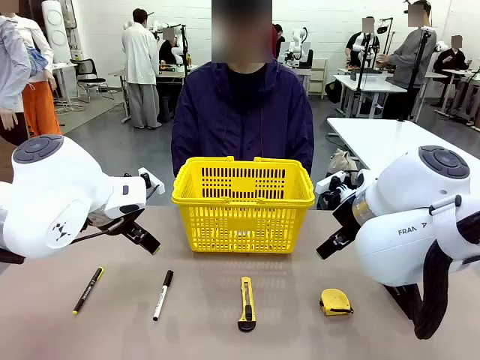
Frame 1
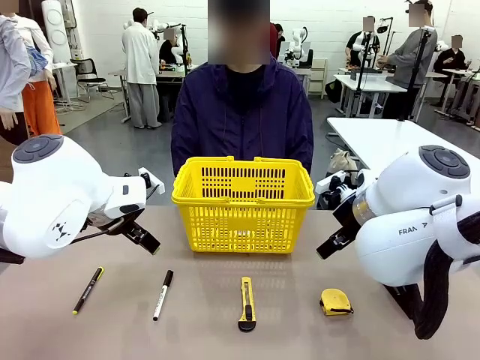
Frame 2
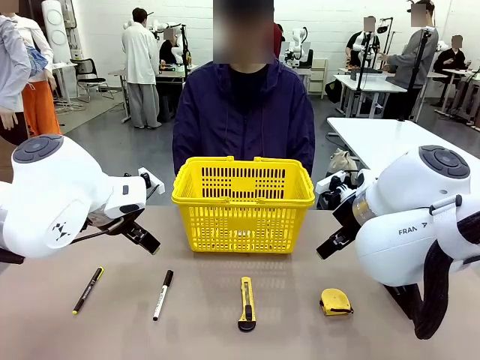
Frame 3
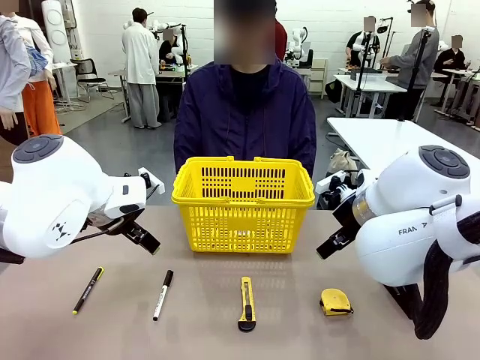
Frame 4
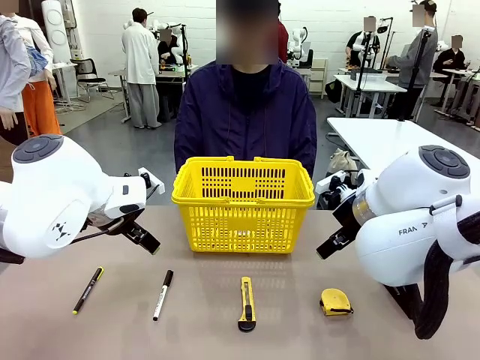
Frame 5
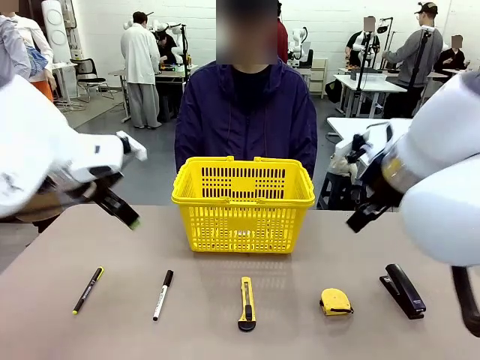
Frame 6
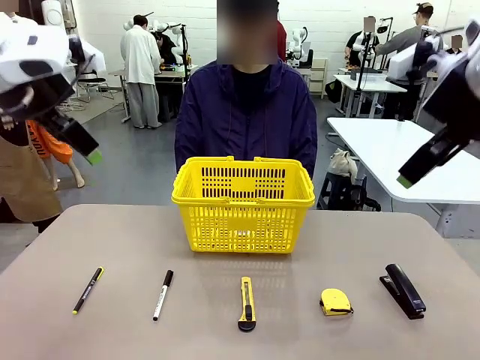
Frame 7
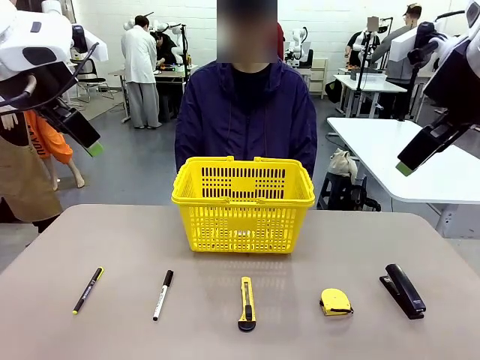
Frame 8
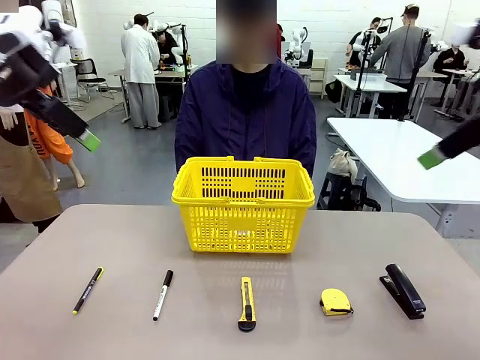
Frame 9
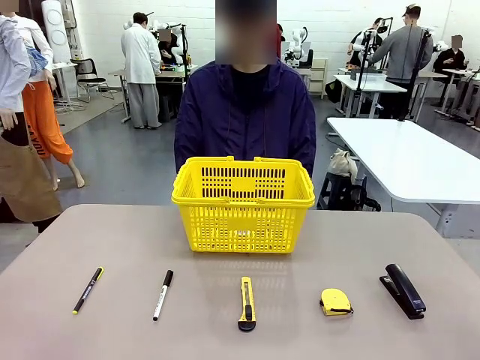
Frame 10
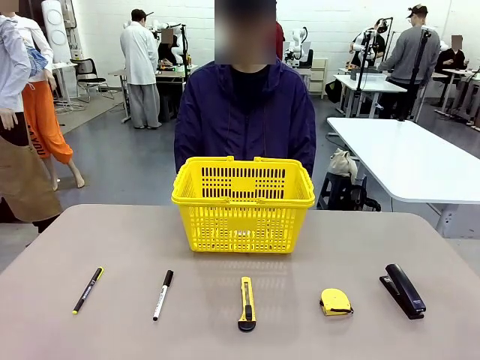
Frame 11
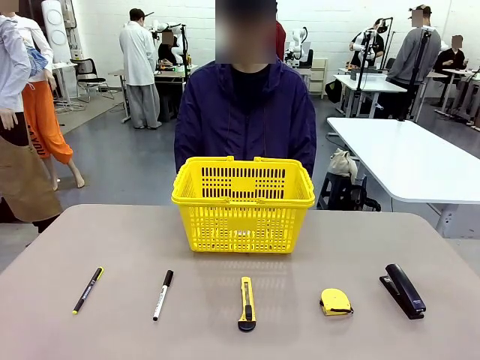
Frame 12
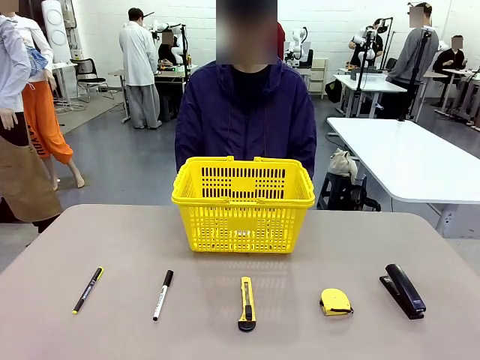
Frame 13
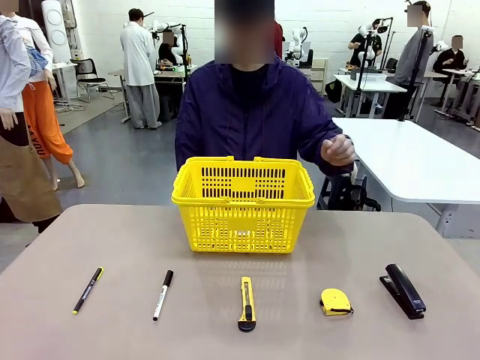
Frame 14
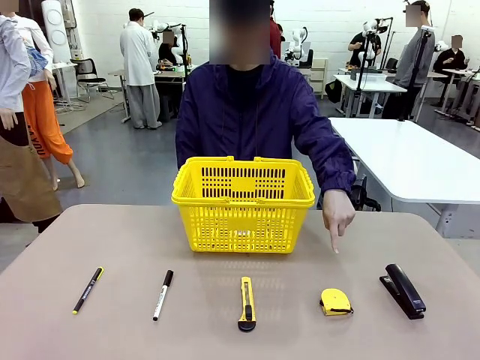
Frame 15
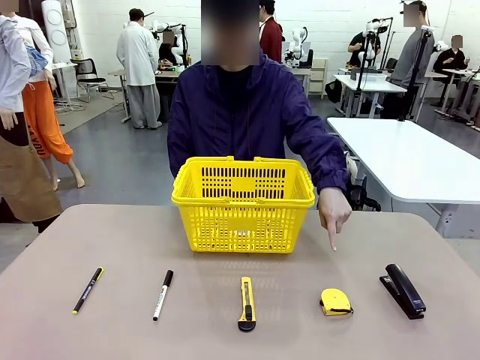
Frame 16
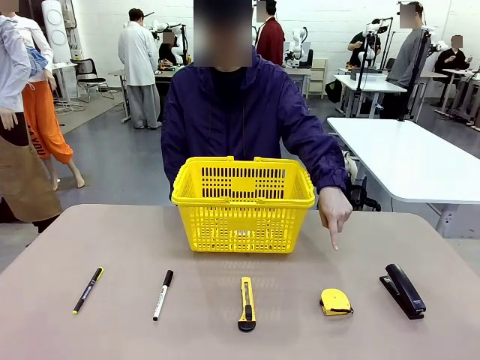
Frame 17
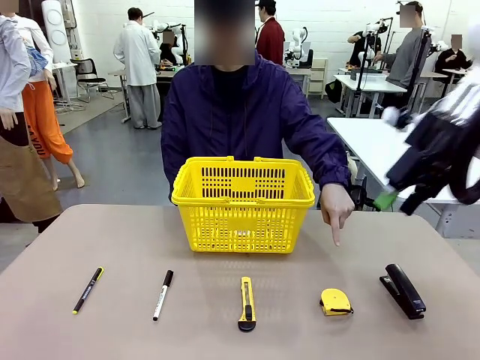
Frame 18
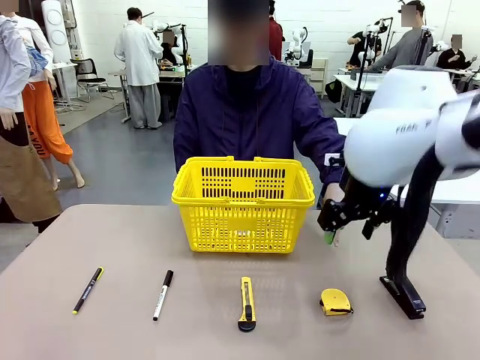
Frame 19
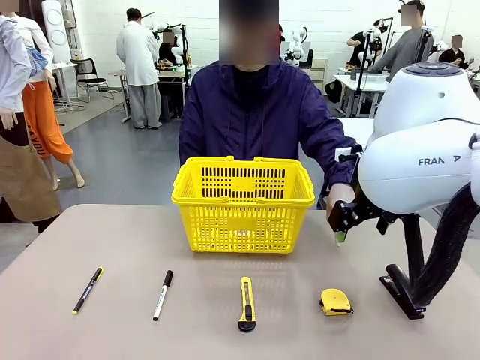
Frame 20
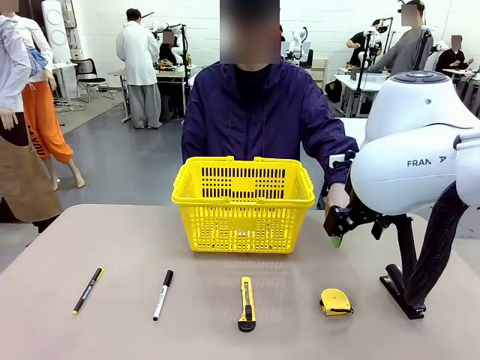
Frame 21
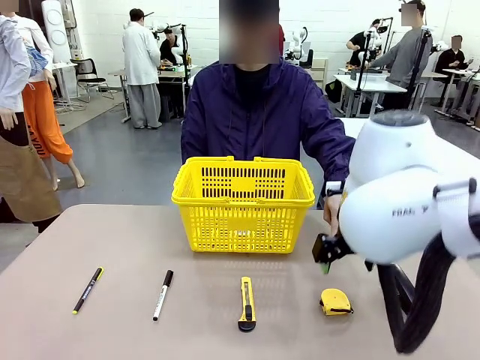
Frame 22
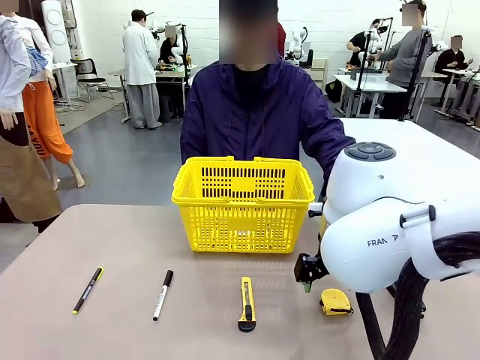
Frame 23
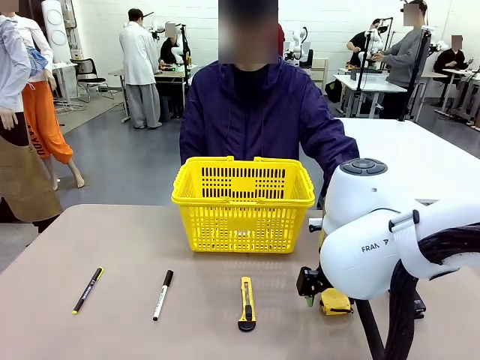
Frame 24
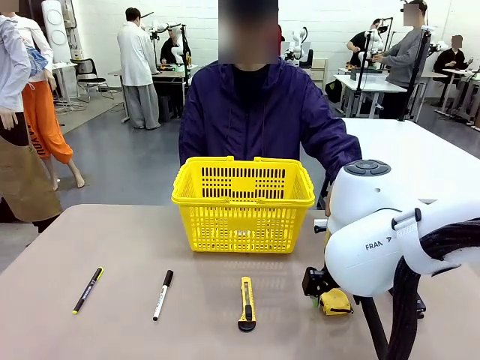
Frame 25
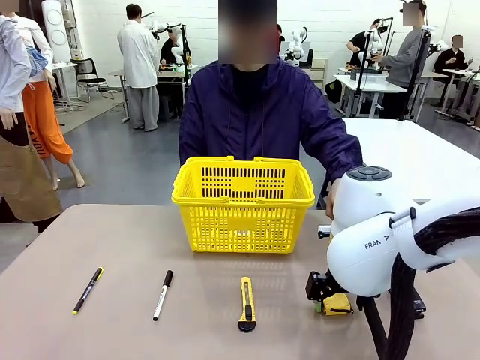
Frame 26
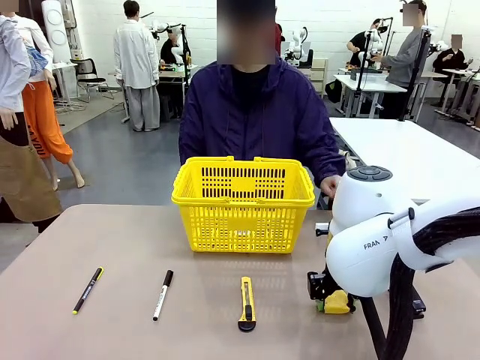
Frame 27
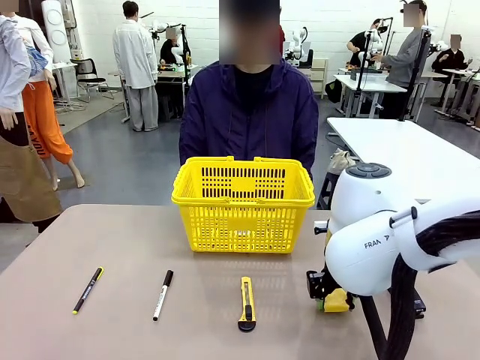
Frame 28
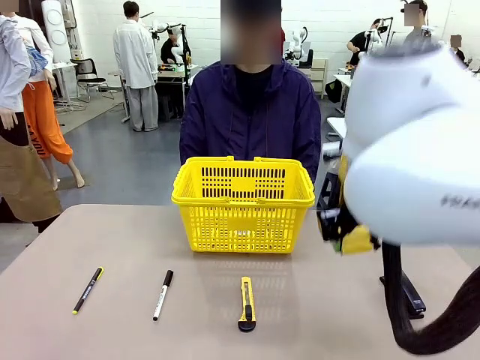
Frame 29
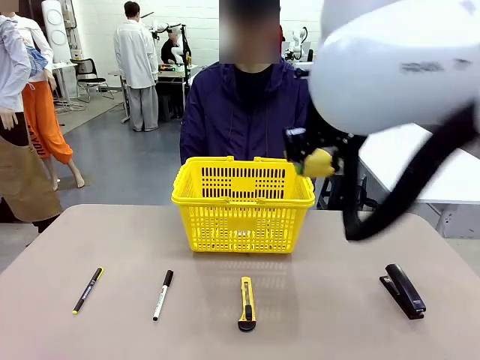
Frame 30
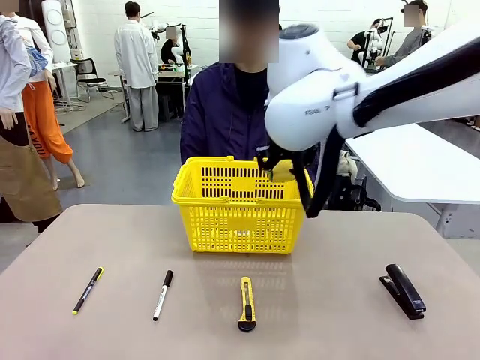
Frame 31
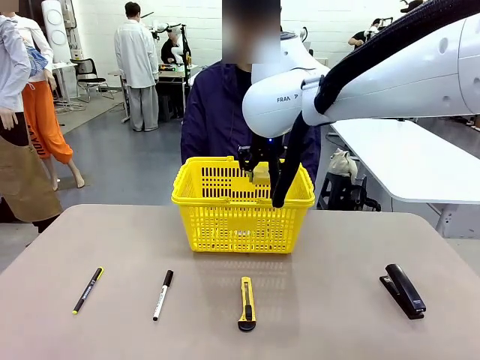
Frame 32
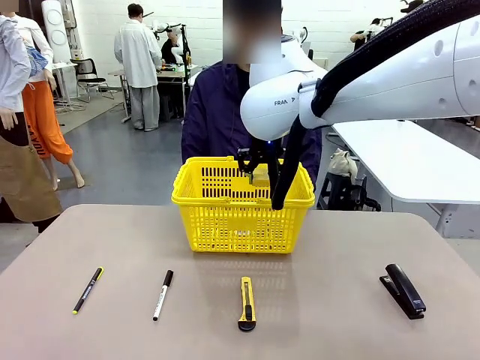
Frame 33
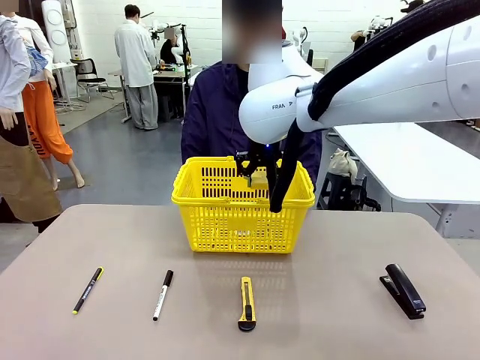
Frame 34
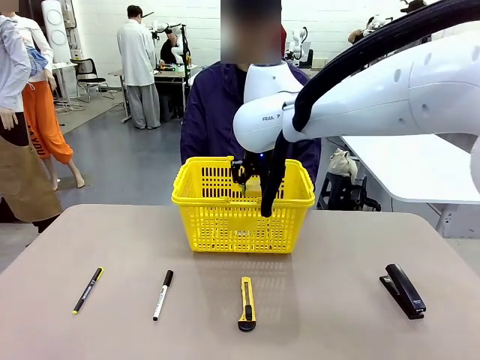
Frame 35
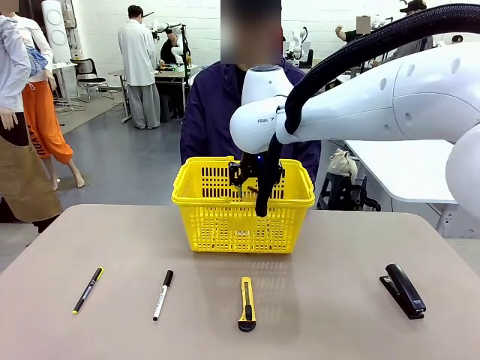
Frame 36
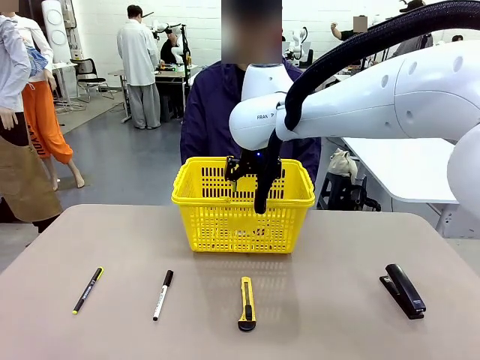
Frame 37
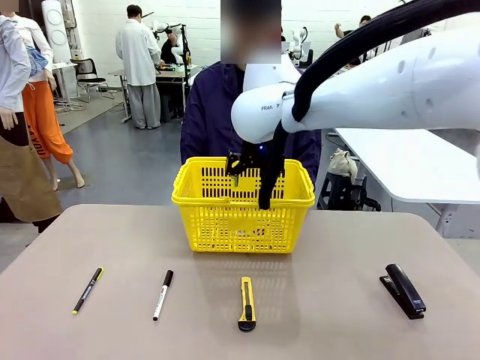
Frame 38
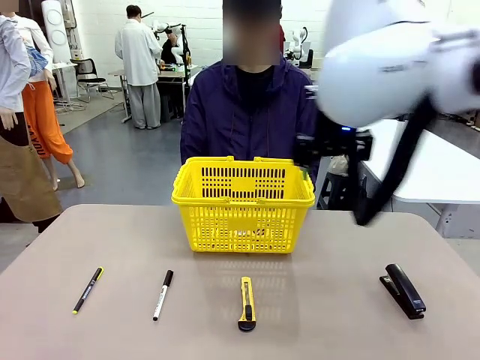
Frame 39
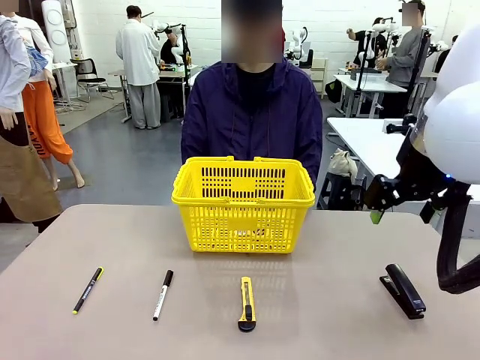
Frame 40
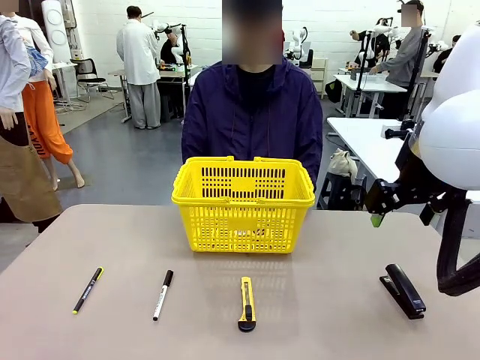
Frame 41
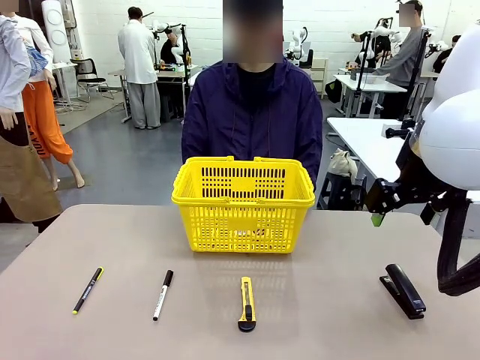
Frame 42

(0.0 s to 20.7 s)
Task: Place the items the person wants into the basket.
Robot: Pick up the item the person points to and place it in the Market Basket.
